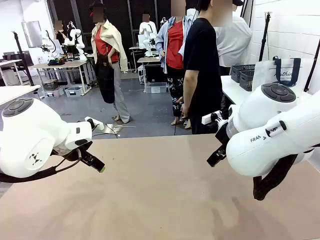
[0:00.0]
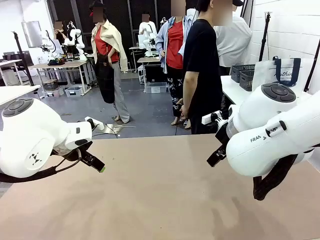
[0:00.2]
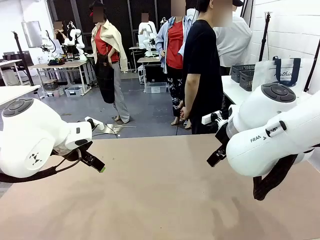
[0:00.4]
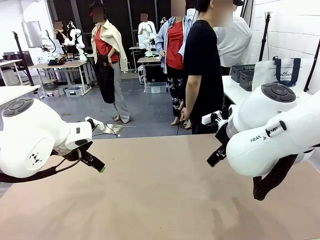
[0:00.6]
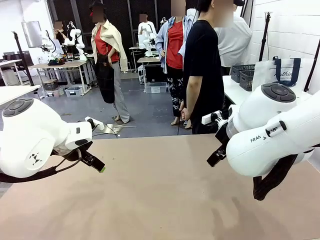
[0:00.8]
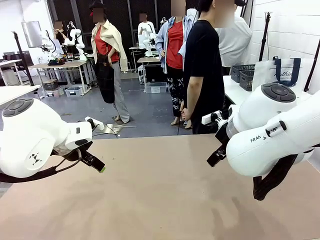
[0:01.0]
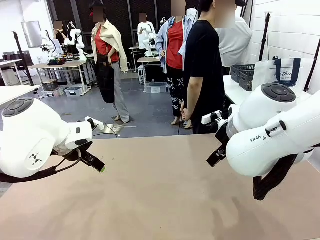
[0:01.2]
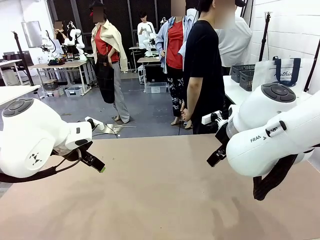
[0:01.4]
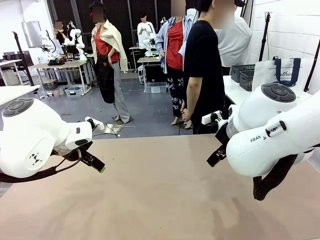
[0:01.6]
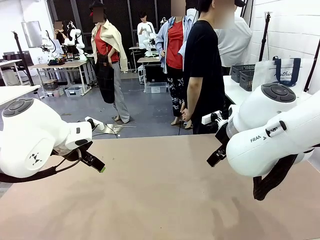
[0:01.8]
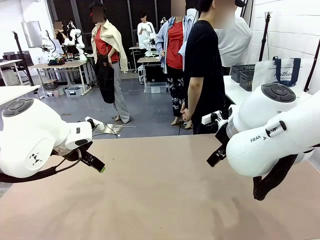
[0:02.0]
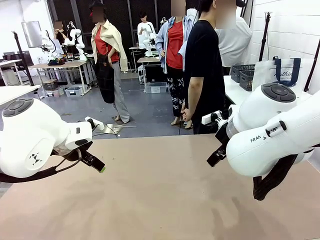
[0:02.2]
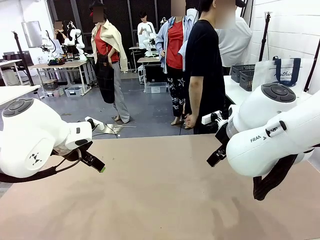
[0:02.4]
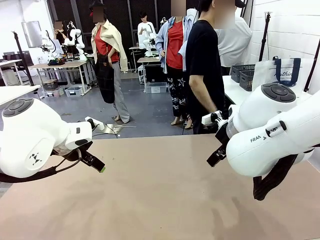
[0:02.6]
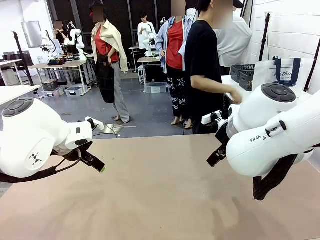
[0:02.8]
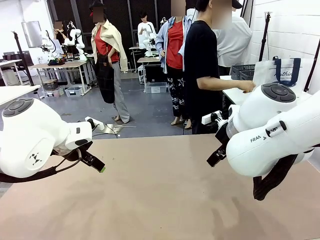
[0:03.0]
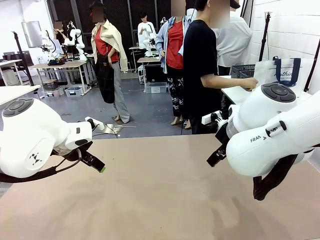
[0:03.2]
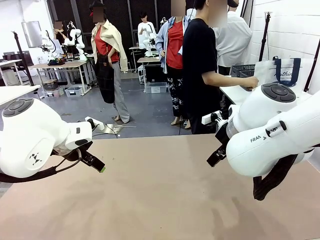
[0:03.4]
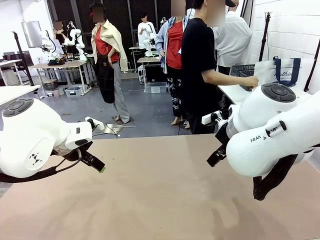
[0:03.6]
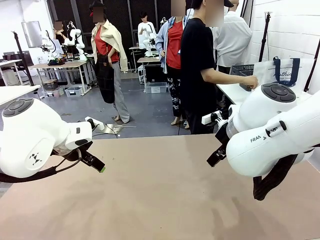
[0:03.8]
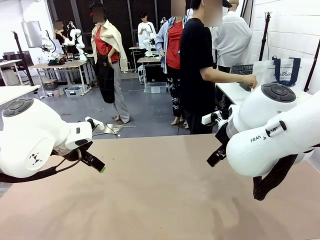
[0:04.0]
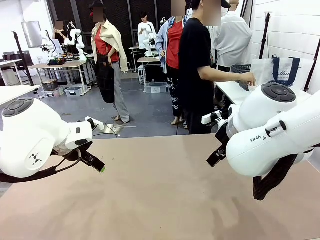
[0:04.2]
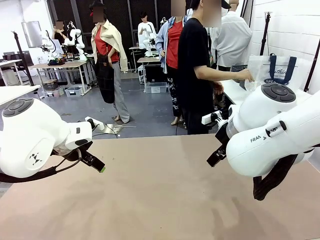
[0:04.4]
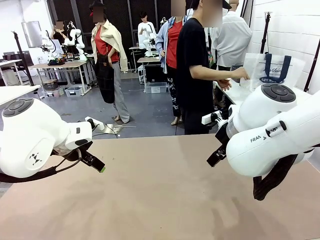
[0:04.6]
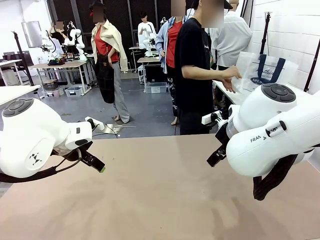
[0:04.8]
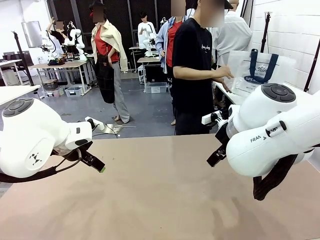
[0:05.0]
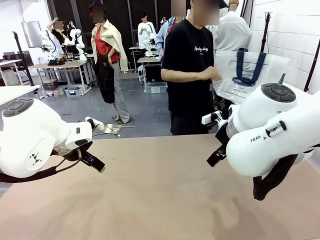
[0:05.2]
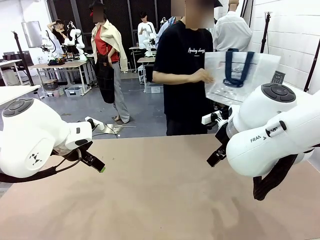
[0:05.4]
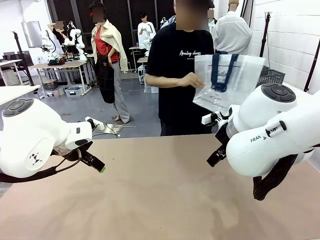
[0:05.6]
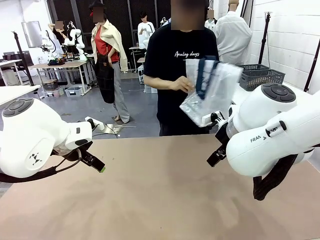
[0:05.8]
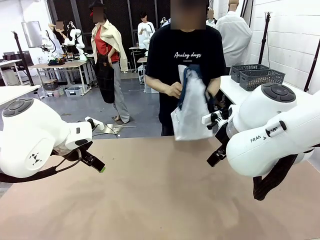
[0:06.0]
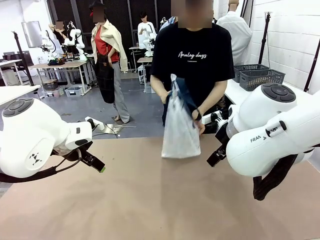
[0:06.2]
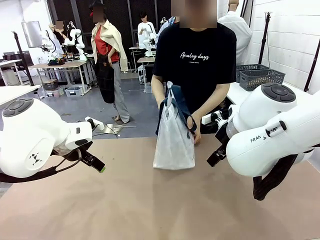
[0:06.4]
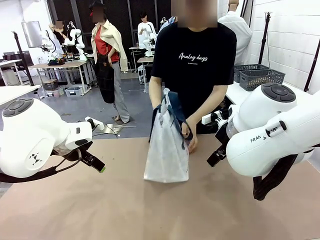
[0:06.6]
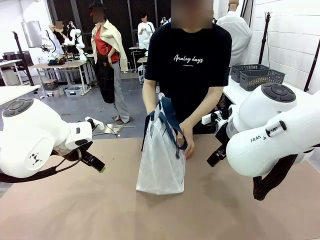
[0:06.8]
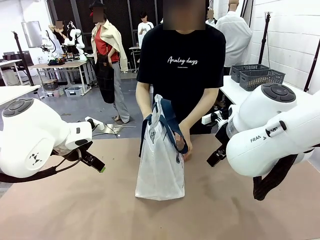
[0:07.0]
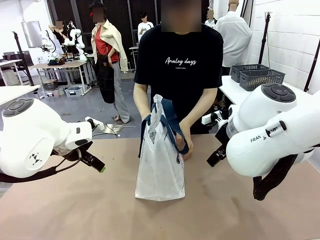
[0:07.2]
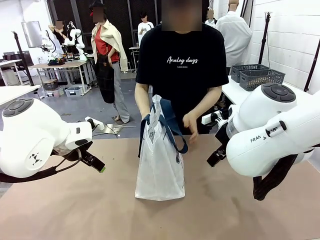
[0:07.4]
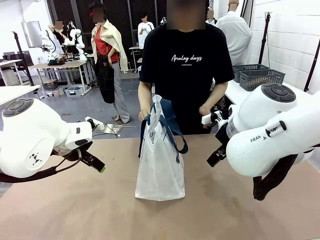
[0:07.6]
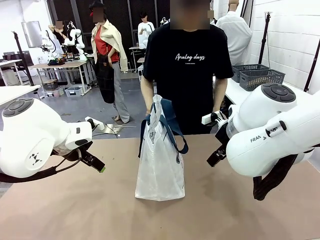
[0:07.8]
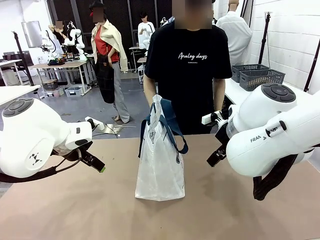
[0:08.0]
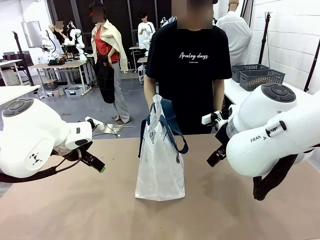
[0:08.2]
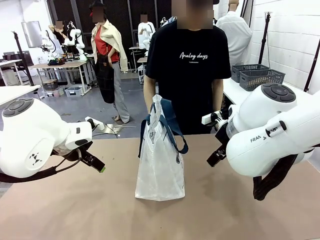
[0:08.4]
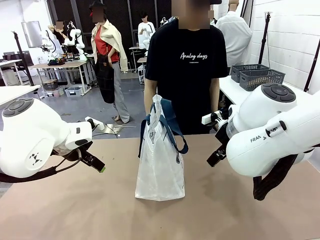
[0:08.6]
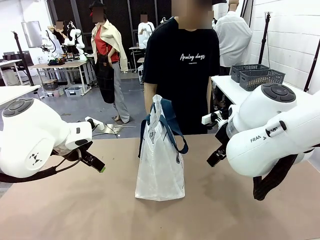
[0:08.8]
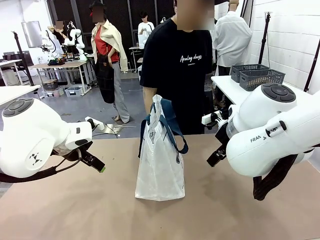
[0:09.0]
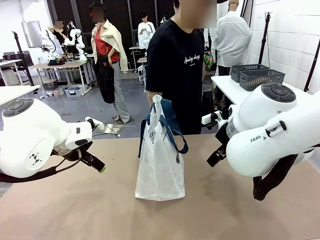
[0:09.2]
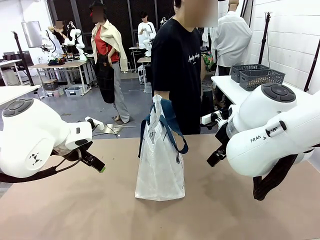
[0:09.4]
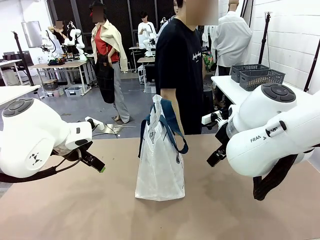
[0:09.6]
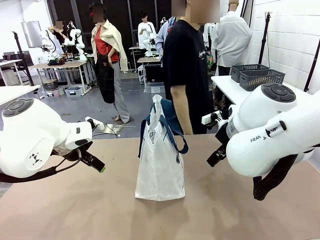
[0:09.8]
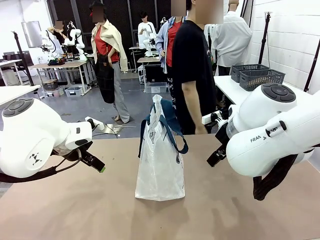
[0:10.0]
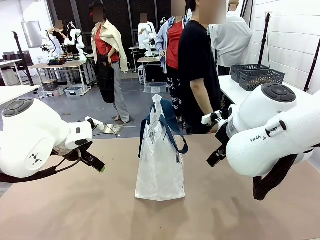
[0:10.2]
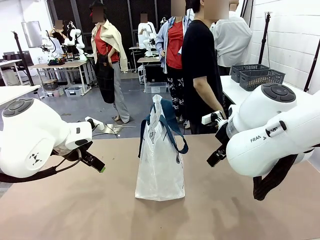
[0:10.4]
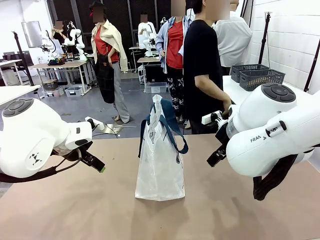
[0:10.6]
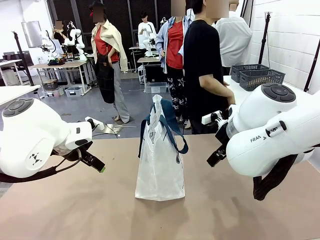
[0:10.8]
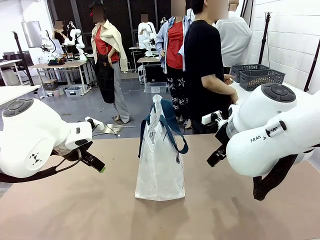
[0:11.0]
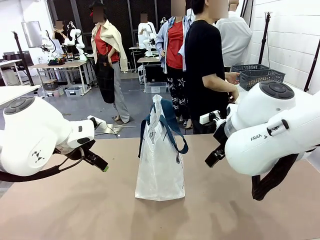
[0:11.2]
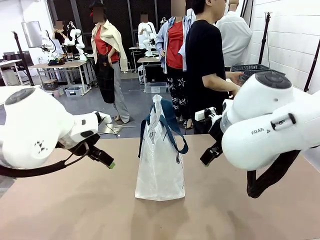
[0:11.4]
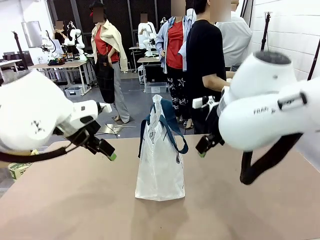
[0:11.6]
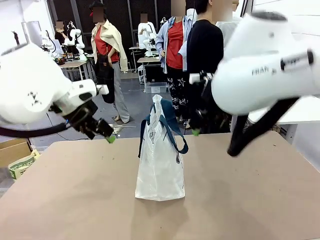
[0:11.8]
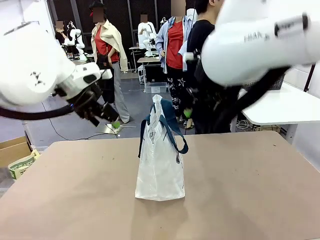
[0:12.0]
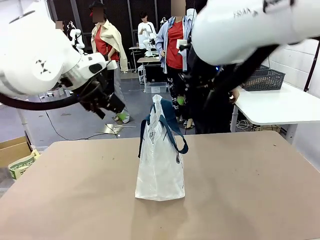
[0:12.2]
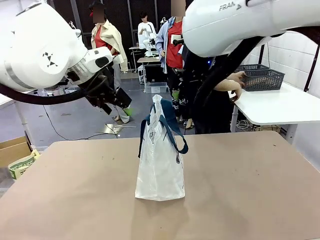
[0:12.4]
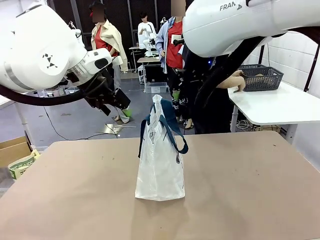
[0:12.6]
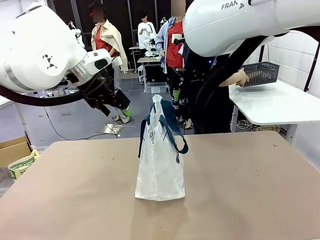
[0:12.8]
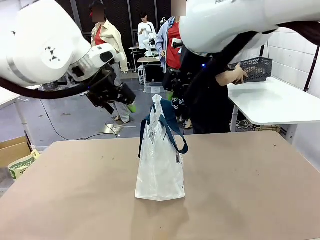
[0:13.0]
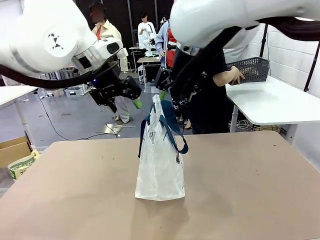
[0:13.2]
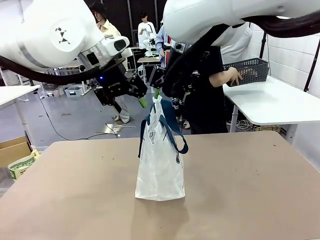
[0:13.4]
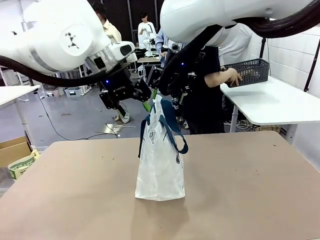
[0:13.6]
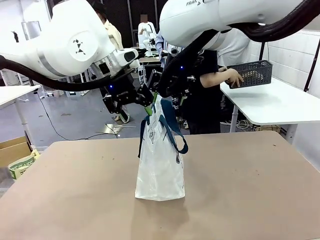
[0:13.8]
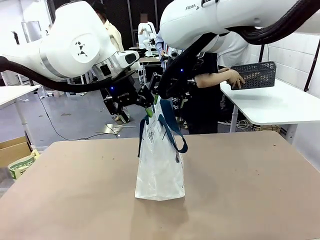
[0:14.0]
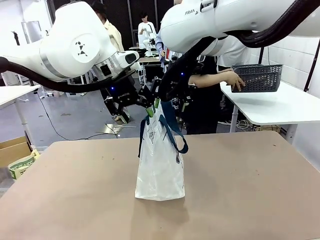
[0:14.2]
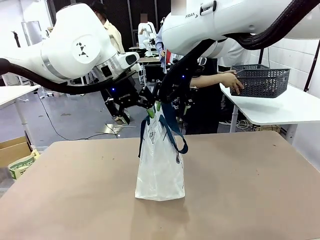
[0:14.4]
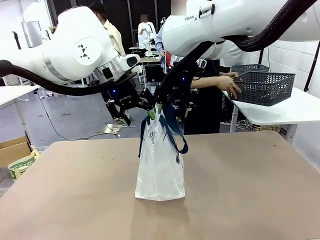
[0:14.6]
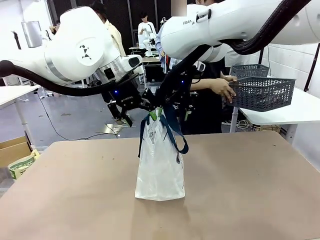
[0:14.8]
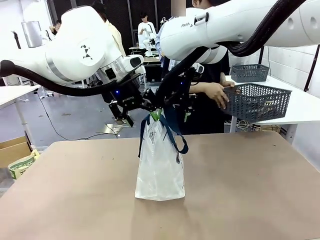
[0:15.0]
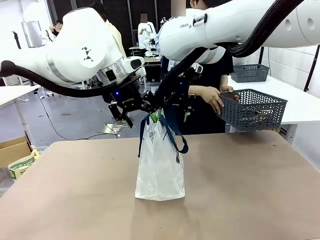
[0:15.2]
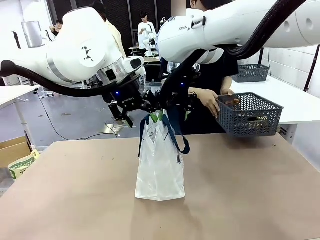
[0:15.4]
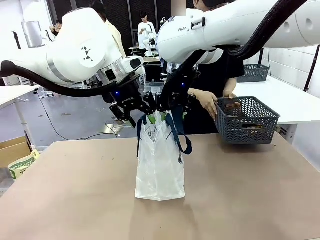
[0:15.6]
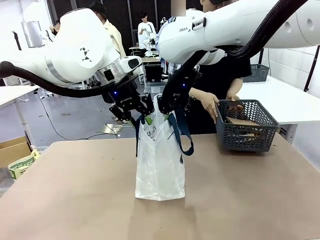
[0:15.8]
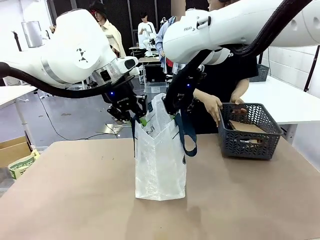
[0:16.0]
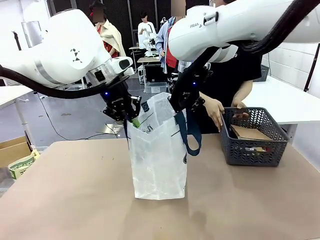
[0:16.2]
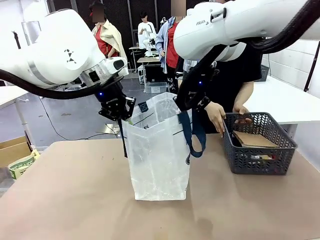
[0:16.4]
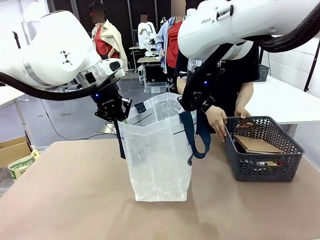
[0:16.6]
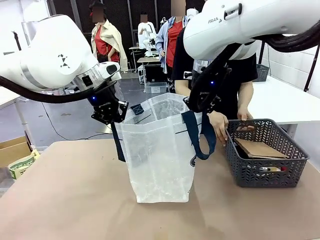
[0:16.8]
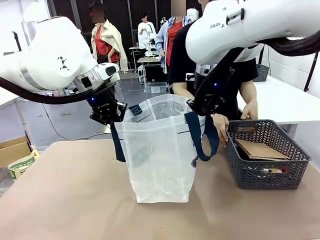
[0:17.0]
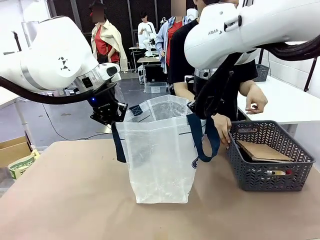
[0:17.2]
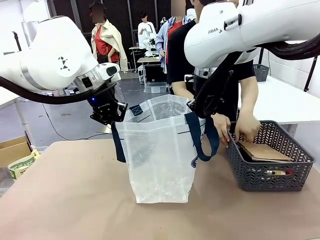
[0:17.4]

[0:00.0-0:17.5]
Task: Transfer purchased items from the store into the shopping bag.
Robot: Open the Reusable shopping bag in the center of the table.
Person: Pick up the shopping bag and place it in the middle of the robot table.
